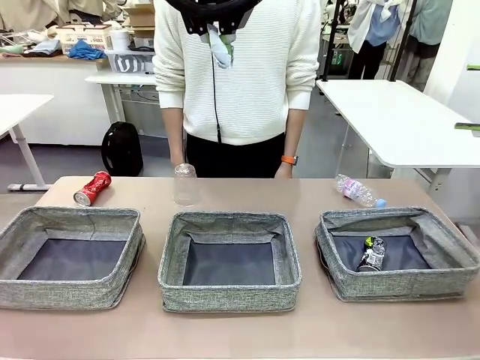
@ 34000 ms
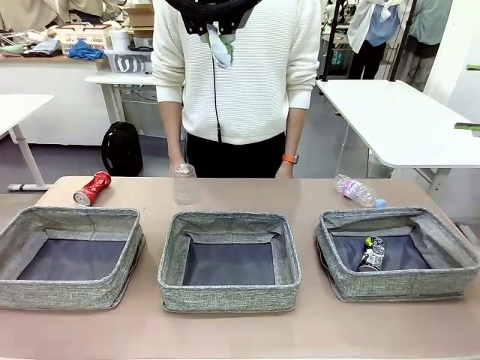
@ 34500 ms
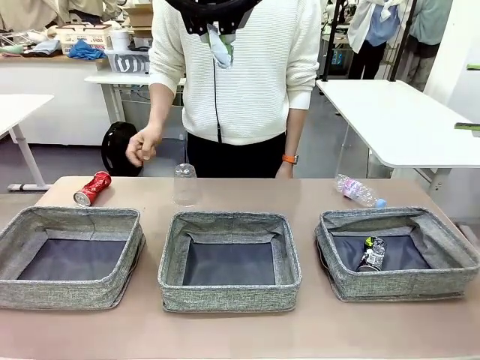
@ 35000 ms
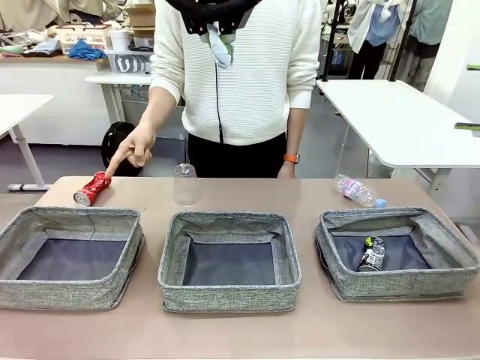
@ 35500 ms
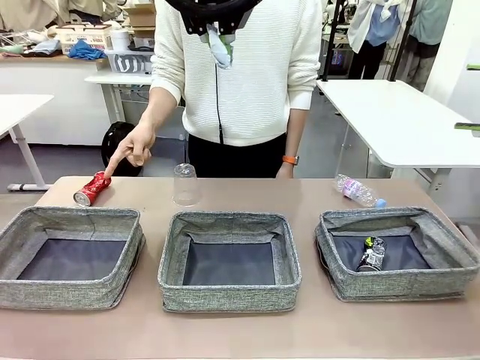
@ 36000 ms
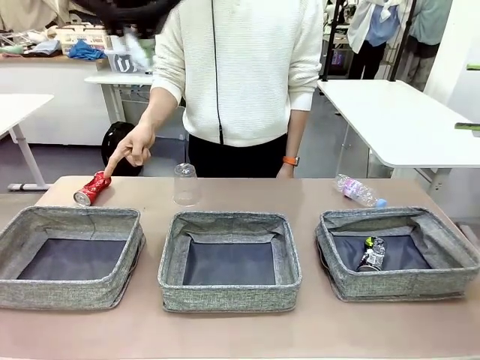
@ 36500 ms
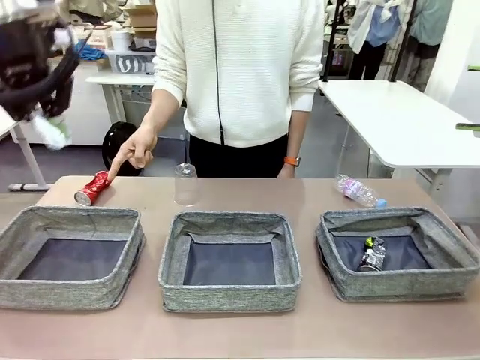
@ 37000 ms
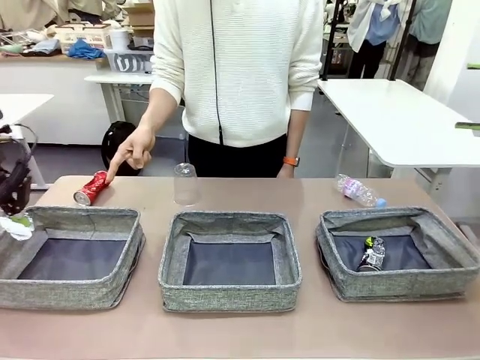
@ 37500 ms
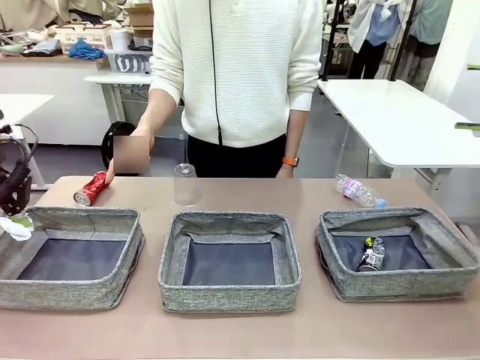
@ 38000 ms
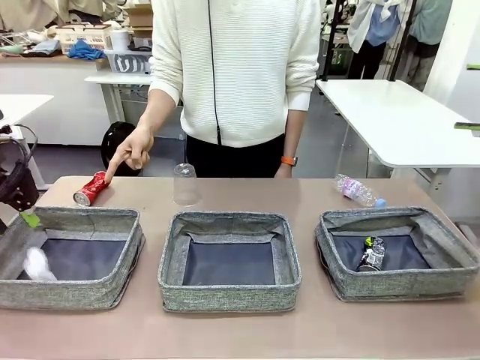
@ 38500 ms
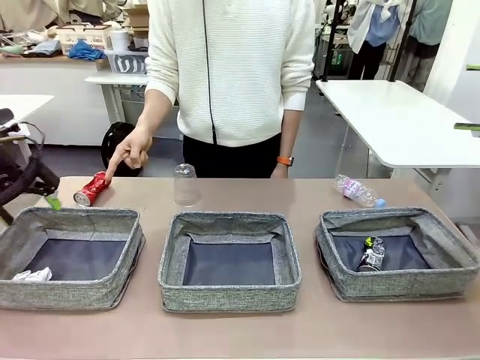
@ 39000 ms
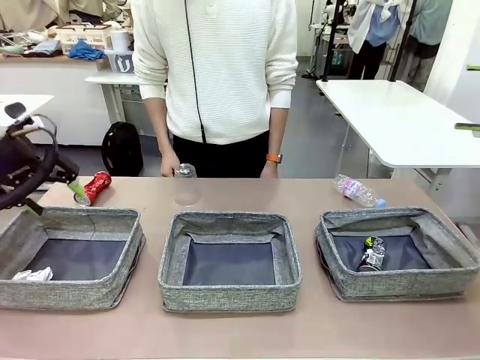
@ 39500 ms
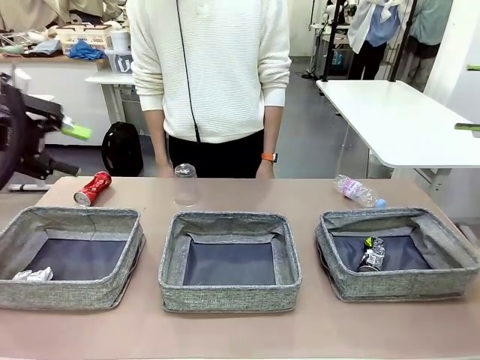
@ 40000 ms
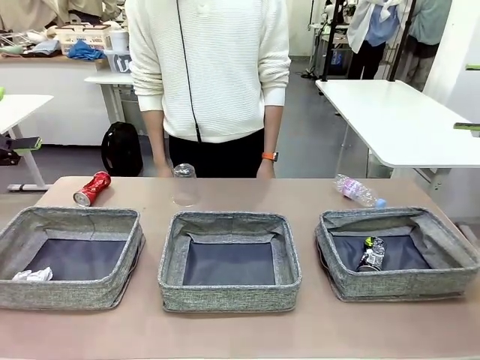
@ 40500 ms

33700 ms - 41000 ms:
Task: Sort the waste into the appropriate baskets.
Robot: Place the picked waste into the Fabric basket indicated by the person.
Person: Instructs the robot to place the picked-up trash into the appropriate organizing basket.

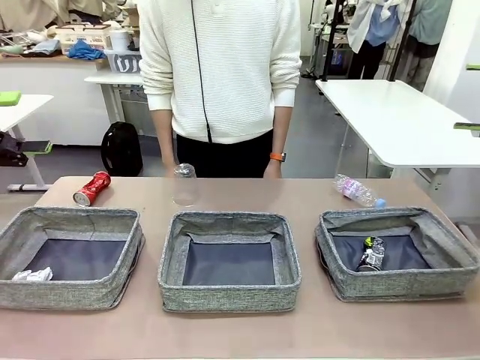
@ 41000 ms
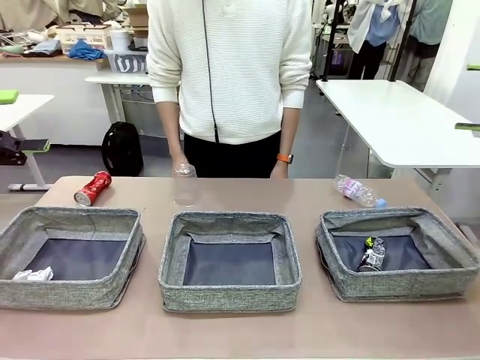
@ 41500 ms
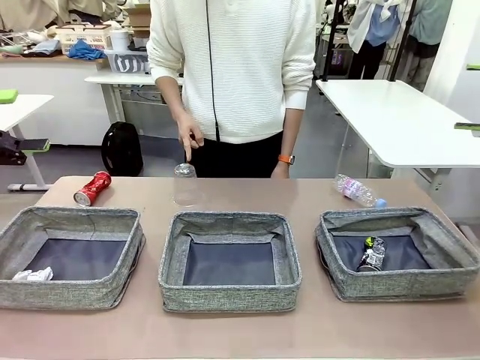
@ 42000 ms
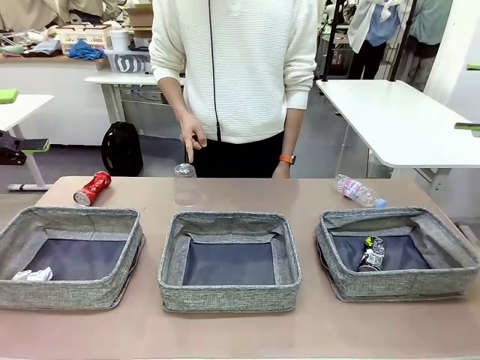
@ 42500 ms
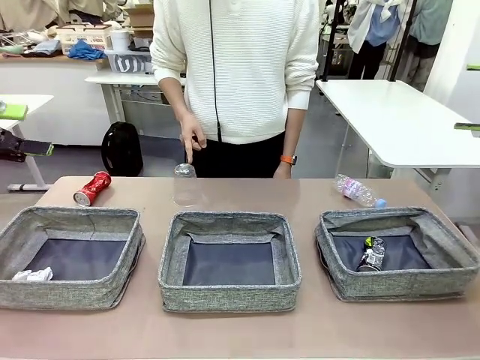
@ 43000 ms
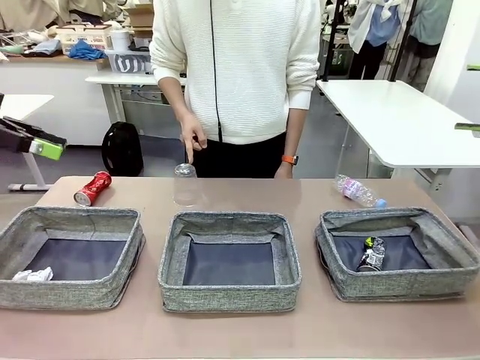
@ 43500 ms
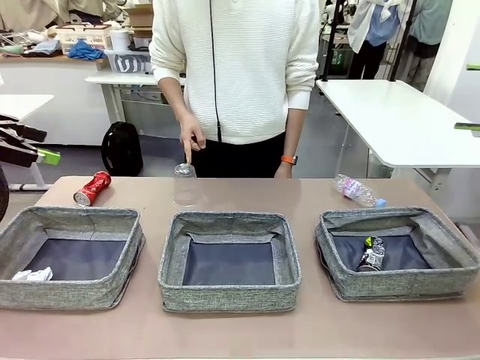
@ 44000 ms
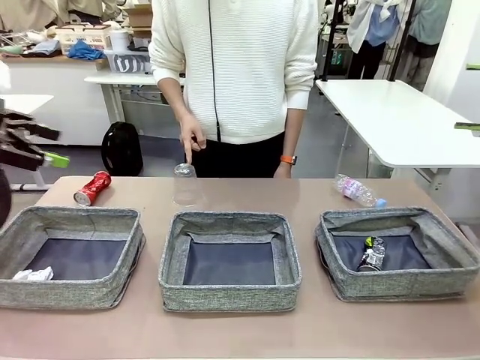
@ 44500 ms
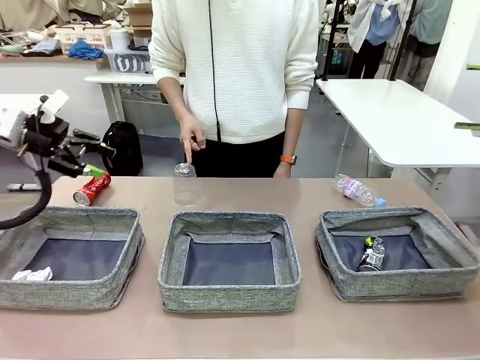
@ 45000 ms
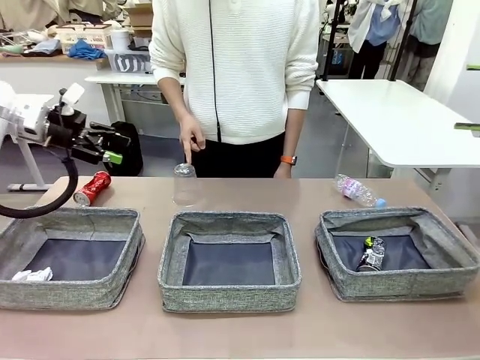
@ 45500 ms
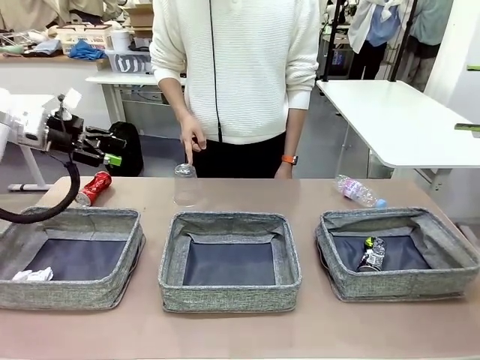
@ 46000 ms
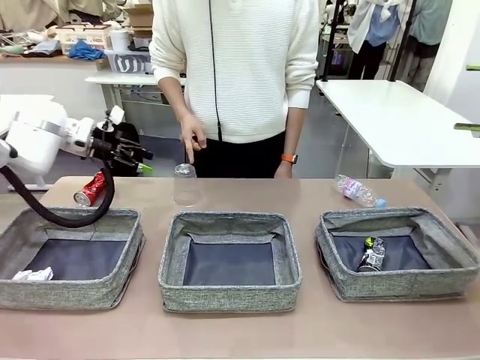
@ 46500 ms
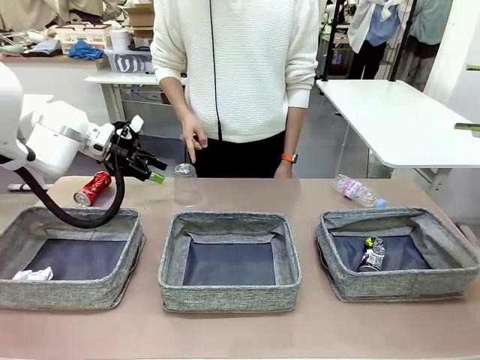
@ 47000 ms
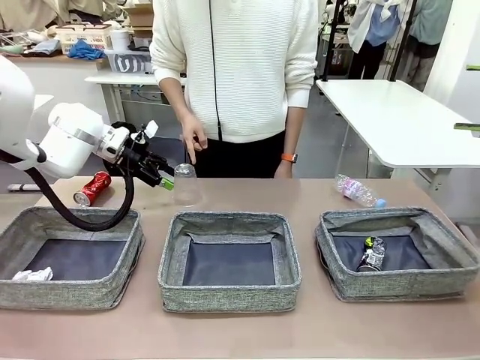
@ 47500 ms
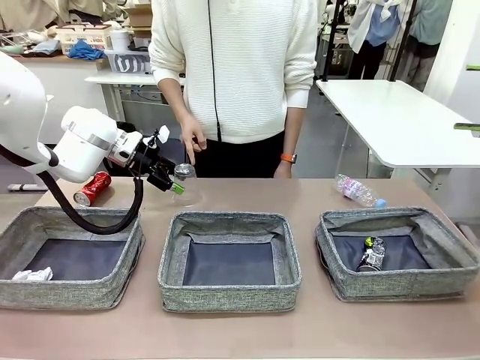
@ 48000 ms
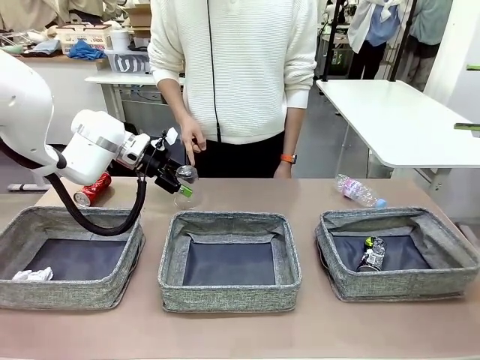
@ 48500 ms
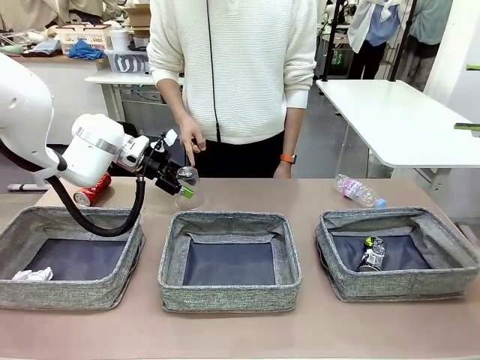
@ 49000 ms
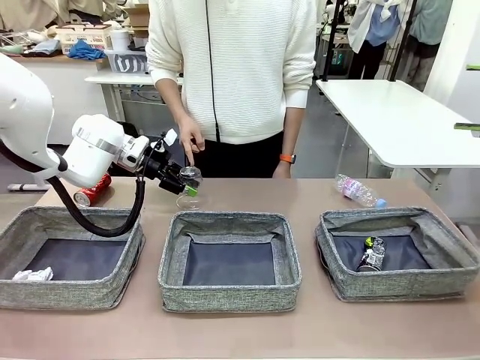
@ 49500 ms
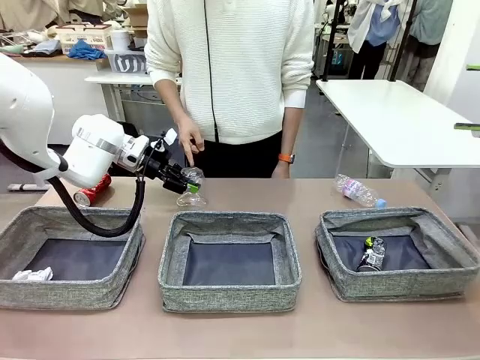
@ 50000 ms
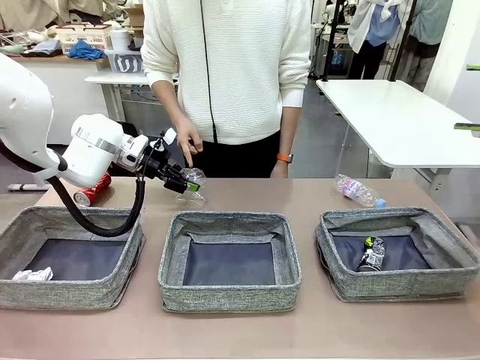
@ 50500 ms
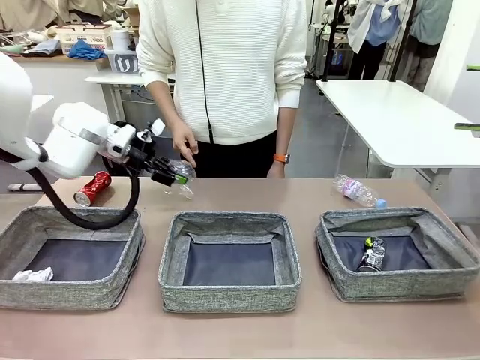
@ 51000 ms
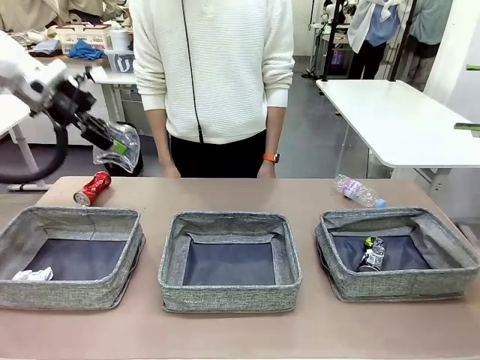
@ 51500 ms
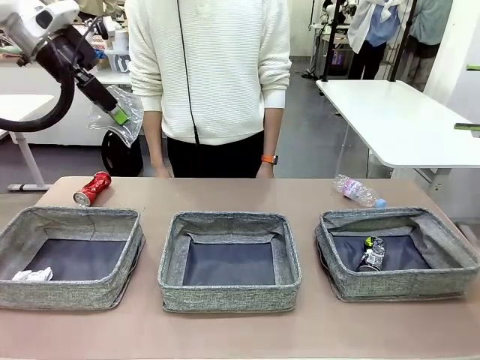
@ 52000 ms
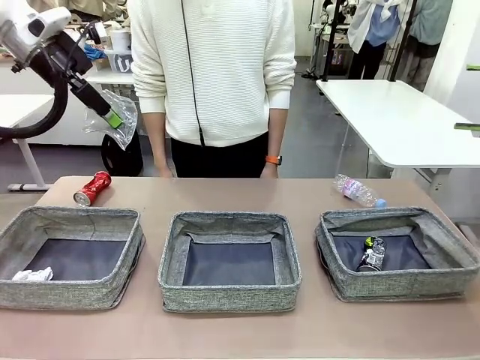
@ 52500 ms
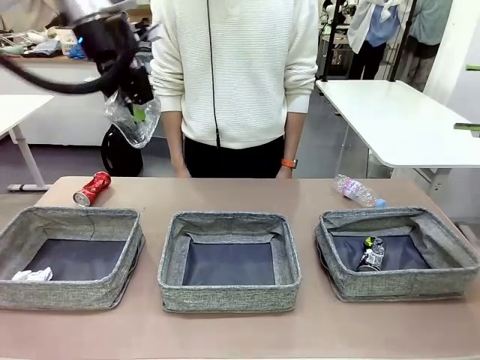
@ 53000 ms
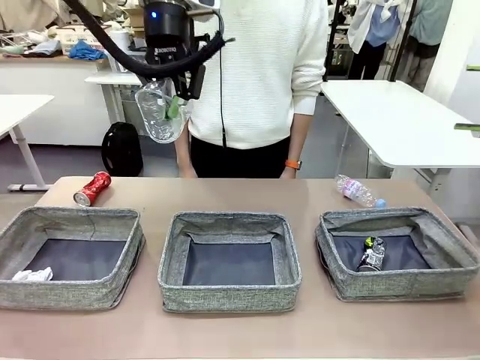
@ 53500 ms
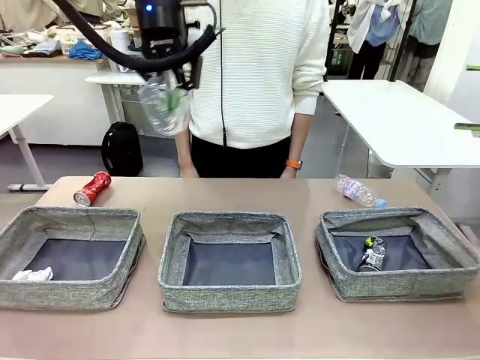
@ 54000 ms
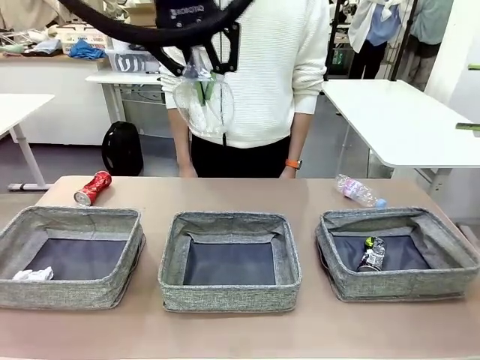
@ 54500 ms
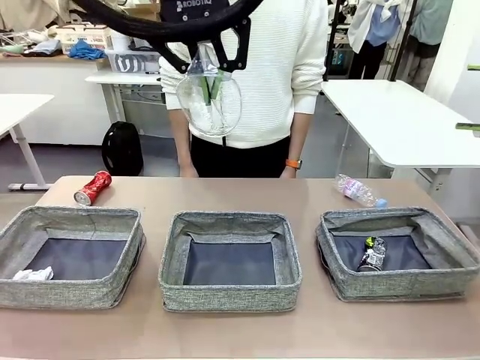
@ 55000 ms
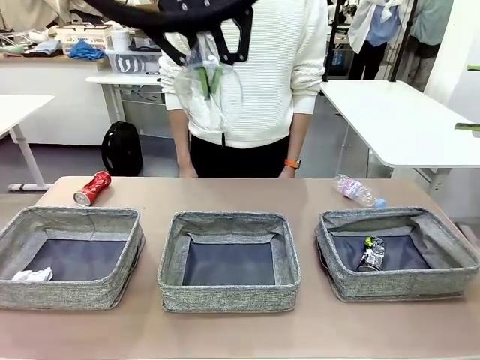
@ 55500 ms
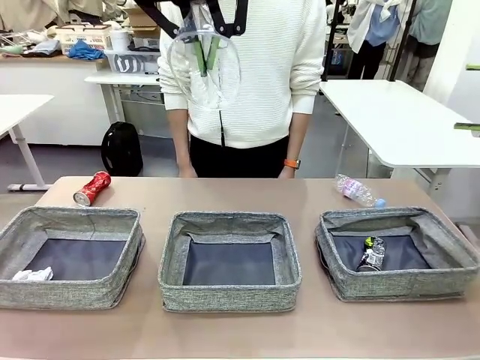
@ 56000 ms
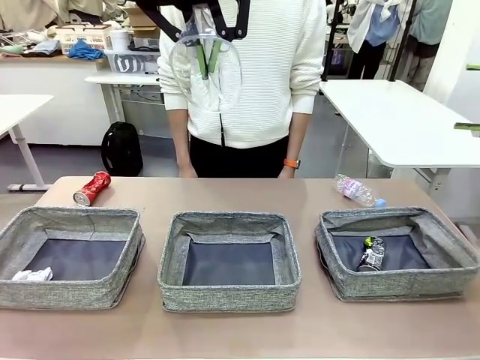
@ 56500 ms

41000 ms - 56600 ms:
Robot: Pick up the waste item pointed out by the person.
Person: Points to one piece of trash on the table.

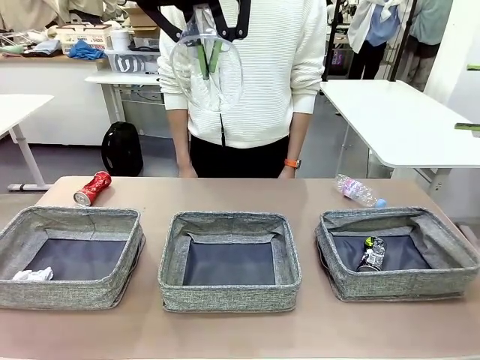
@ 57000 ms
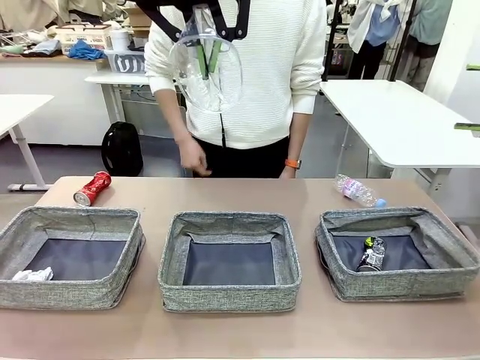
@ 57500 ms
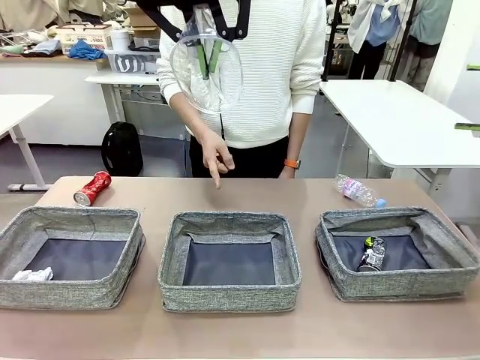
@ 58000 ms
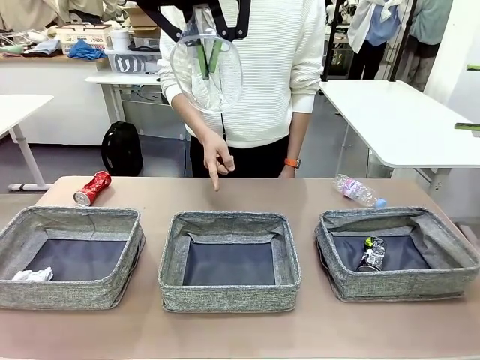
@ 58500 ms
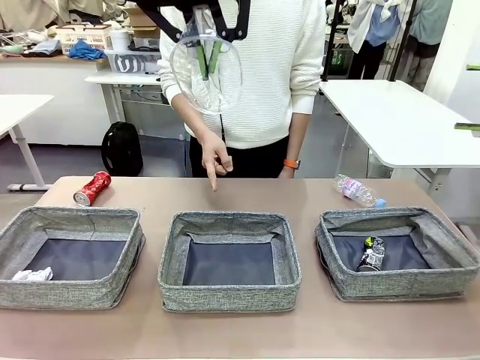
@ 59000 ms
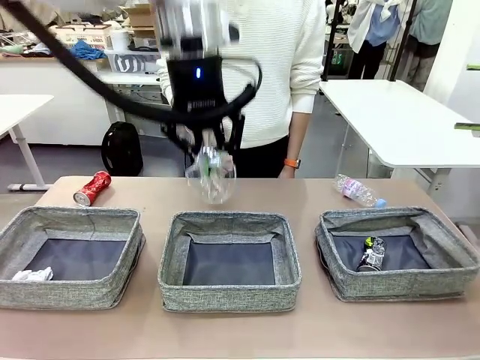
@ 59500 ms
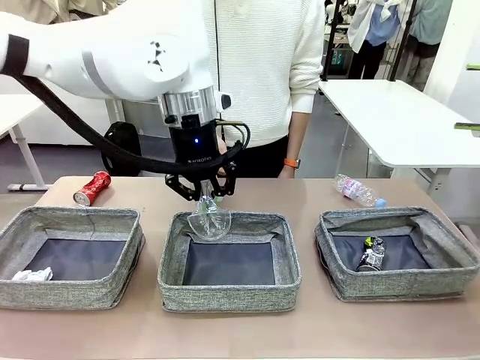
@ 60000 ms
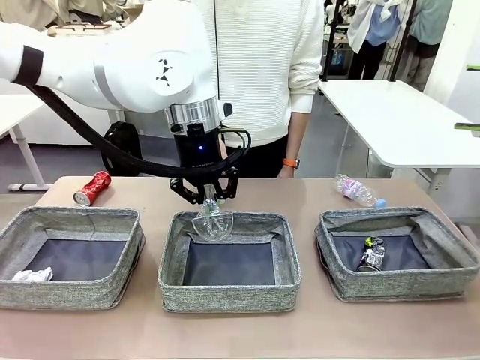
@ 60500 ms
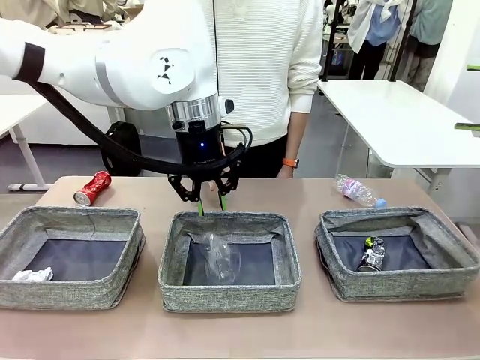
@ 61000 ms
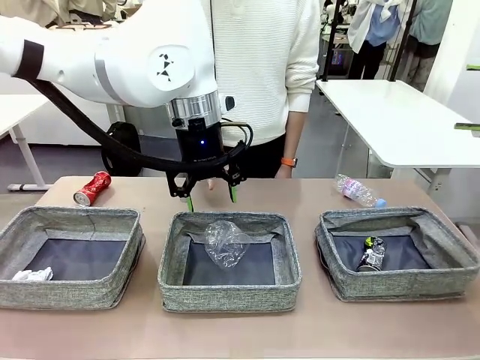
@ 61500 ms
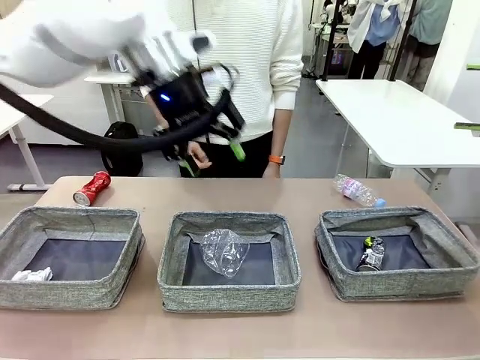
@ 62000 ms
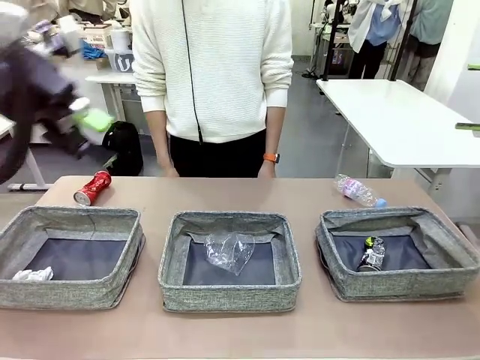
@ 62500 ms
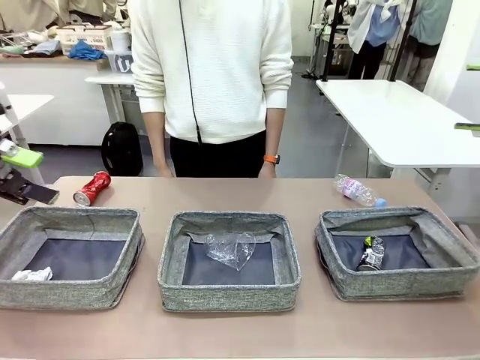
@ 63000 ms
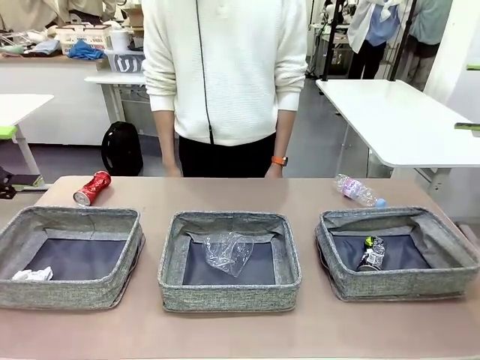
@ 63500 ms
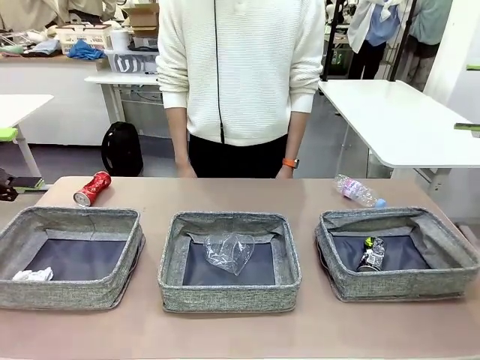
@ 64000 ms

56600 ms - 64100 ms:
Robot: Place the picked waste into the Fabric basket indicated by the person.
Person: Instructs the robot to place the picked-up trash into the appropriate organizing basket.
